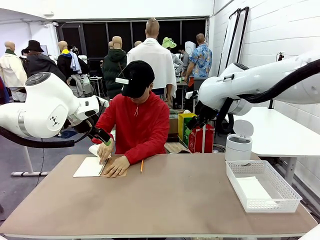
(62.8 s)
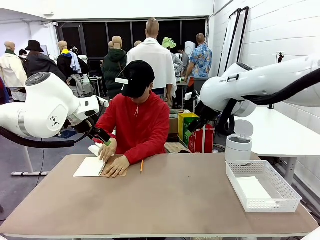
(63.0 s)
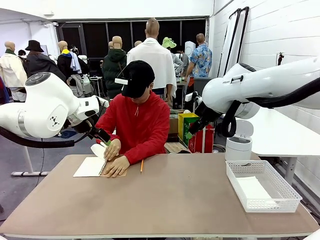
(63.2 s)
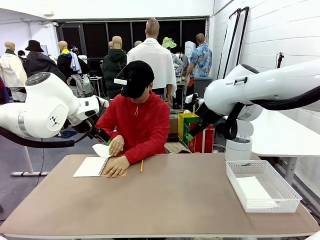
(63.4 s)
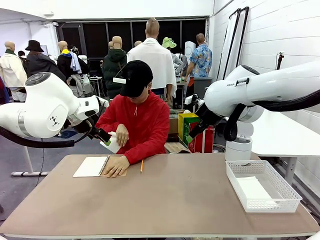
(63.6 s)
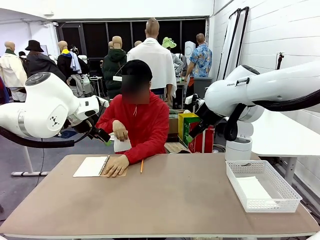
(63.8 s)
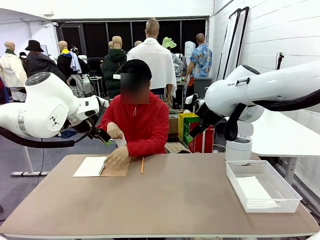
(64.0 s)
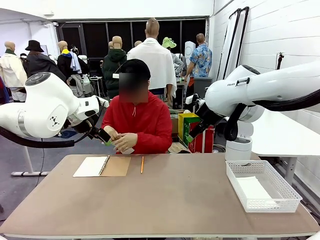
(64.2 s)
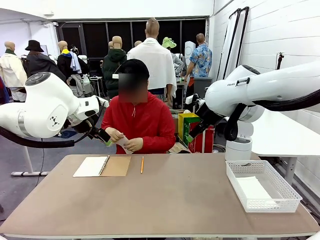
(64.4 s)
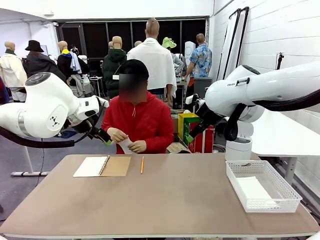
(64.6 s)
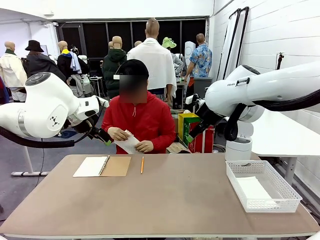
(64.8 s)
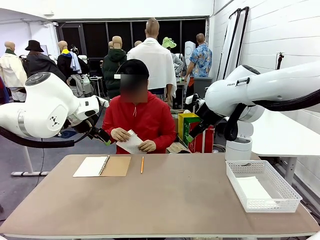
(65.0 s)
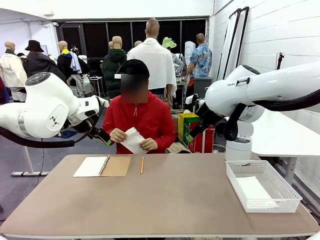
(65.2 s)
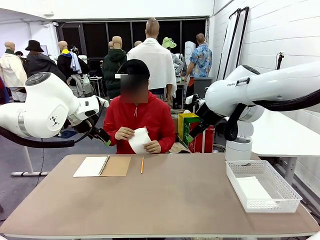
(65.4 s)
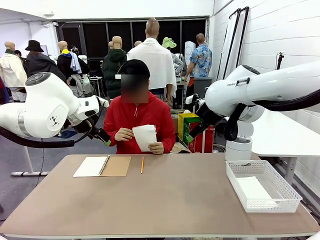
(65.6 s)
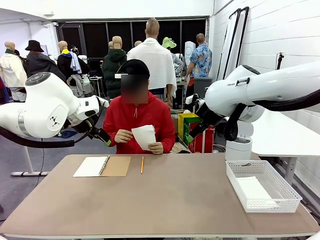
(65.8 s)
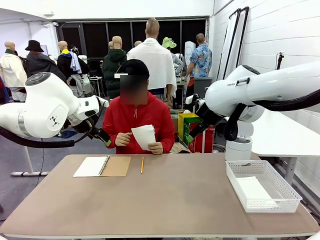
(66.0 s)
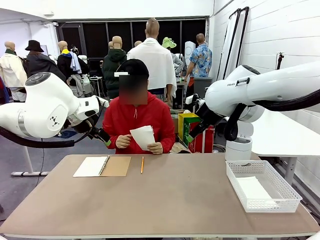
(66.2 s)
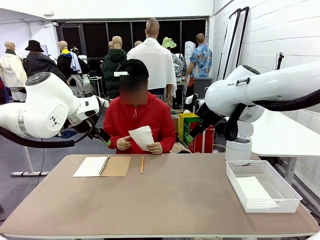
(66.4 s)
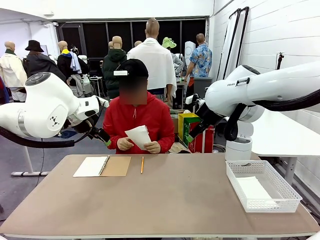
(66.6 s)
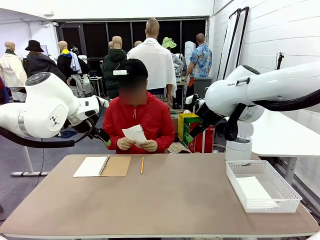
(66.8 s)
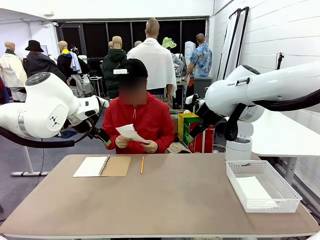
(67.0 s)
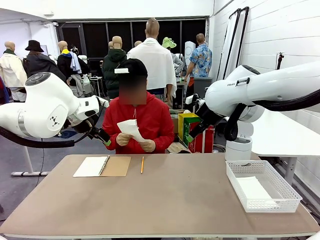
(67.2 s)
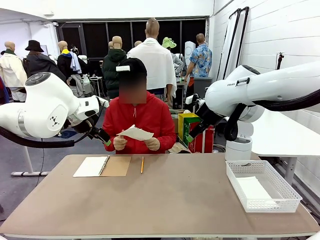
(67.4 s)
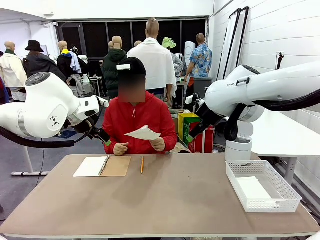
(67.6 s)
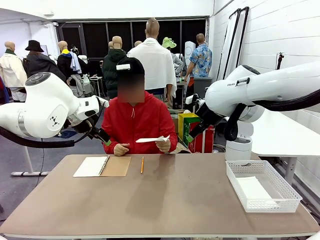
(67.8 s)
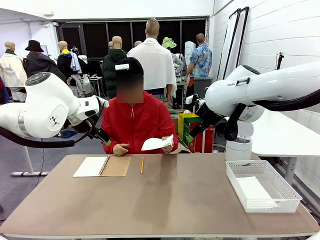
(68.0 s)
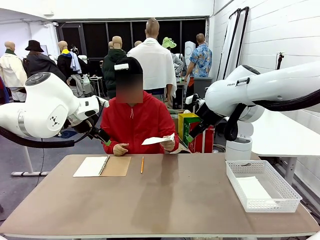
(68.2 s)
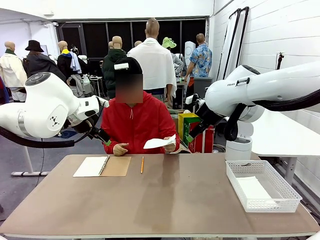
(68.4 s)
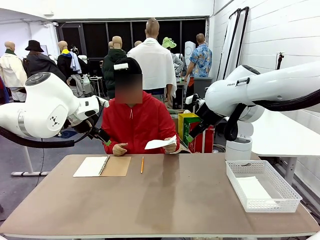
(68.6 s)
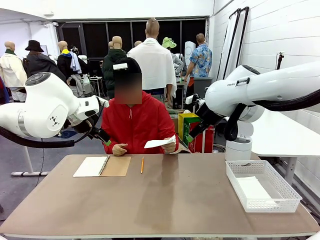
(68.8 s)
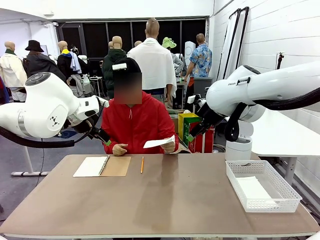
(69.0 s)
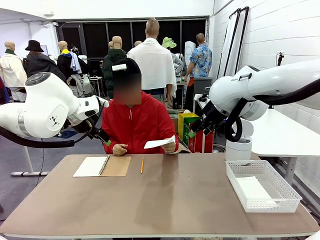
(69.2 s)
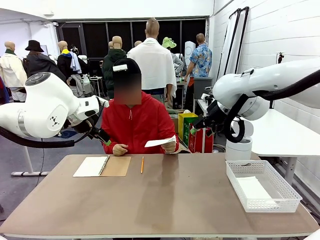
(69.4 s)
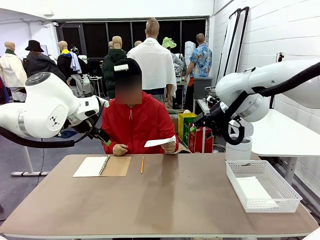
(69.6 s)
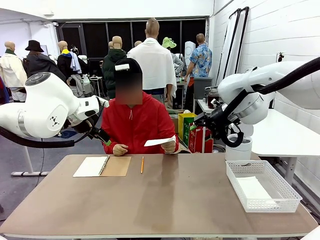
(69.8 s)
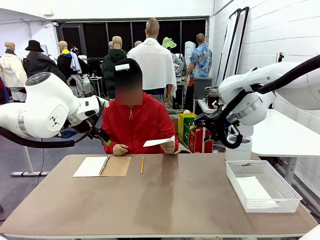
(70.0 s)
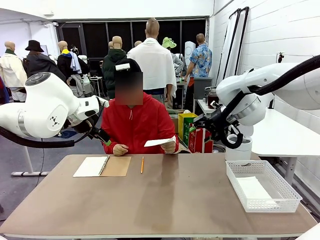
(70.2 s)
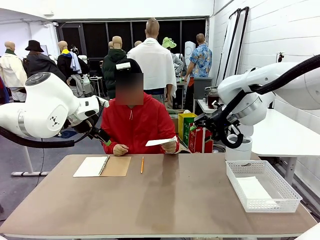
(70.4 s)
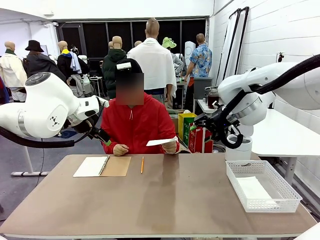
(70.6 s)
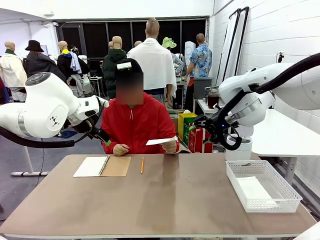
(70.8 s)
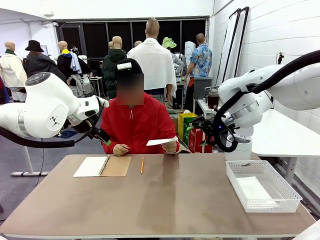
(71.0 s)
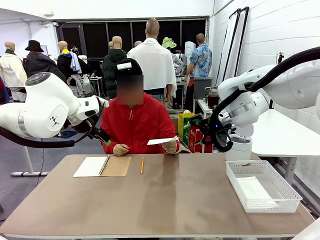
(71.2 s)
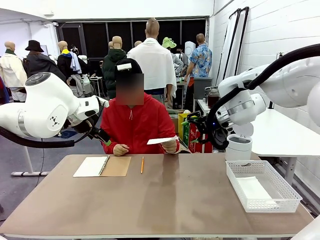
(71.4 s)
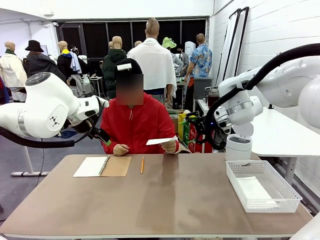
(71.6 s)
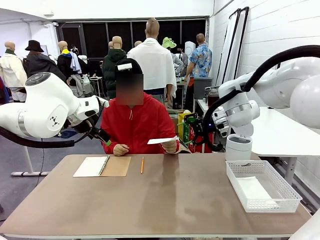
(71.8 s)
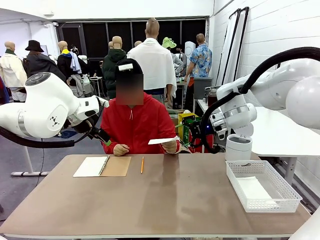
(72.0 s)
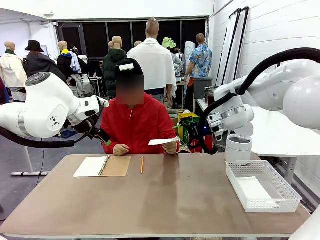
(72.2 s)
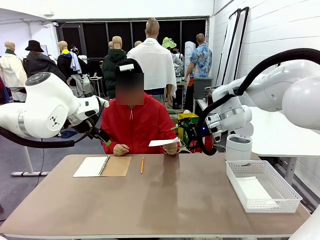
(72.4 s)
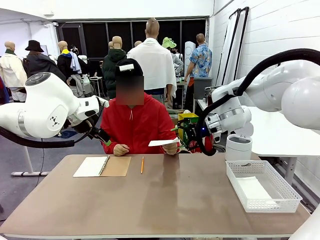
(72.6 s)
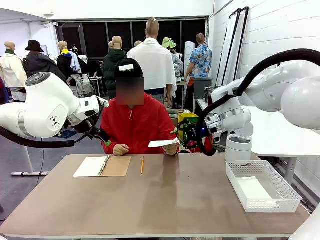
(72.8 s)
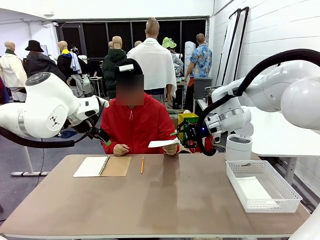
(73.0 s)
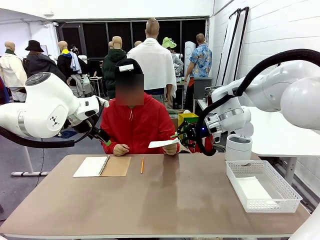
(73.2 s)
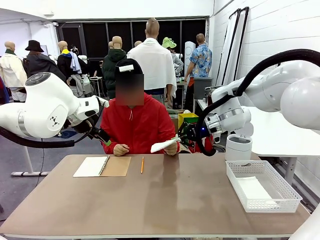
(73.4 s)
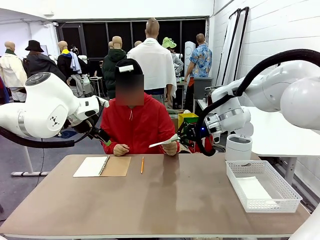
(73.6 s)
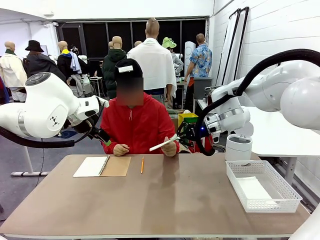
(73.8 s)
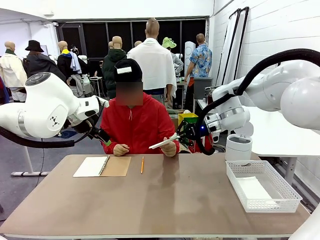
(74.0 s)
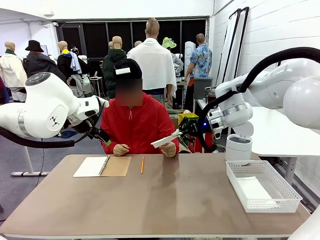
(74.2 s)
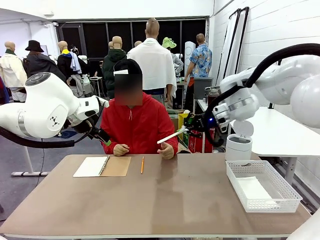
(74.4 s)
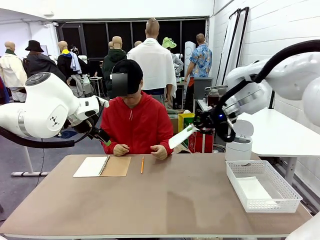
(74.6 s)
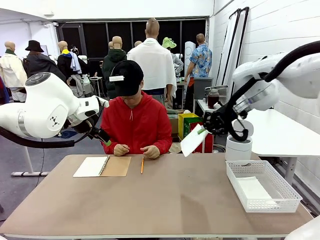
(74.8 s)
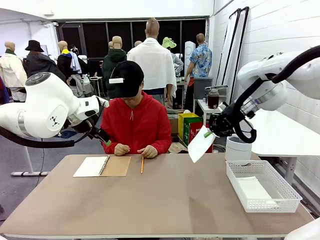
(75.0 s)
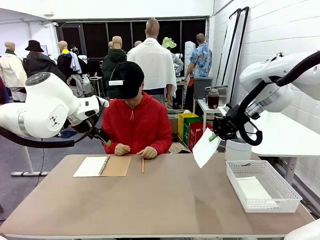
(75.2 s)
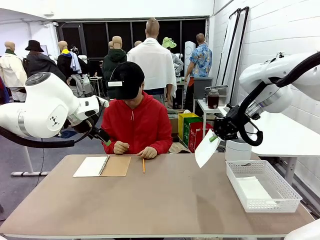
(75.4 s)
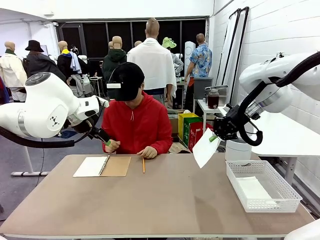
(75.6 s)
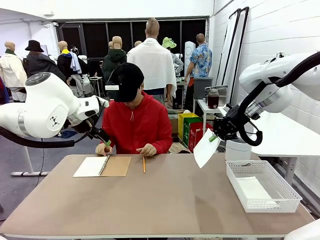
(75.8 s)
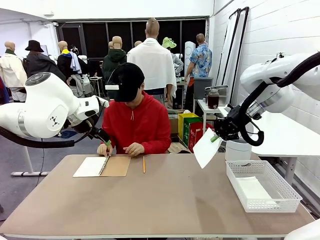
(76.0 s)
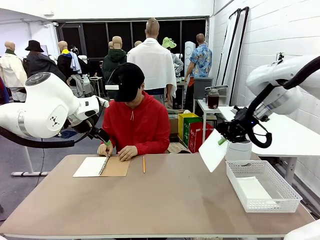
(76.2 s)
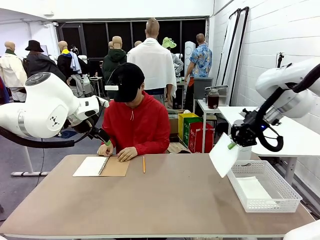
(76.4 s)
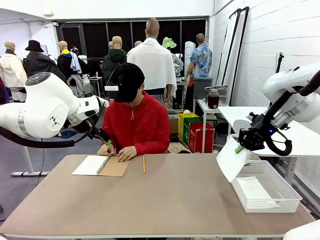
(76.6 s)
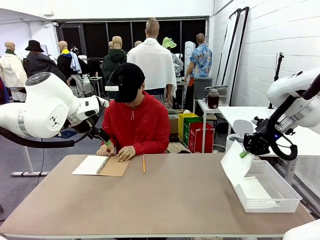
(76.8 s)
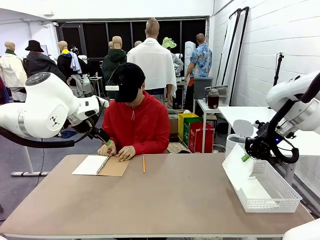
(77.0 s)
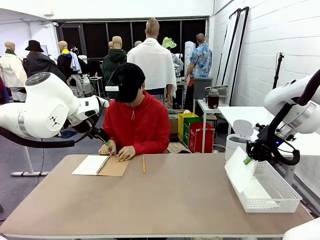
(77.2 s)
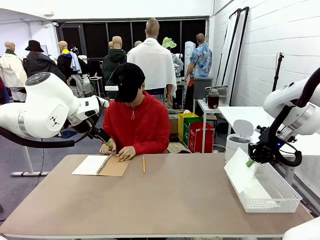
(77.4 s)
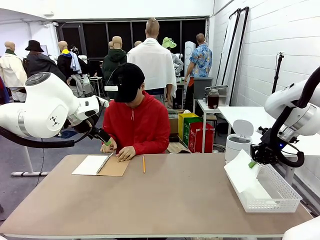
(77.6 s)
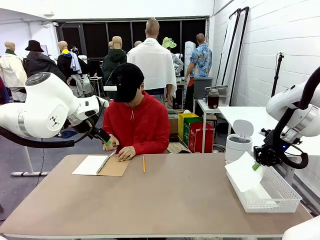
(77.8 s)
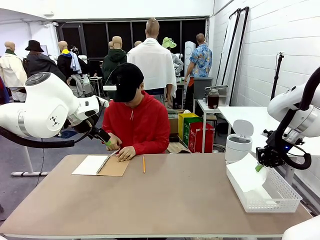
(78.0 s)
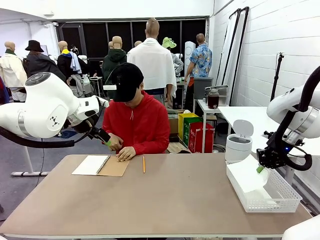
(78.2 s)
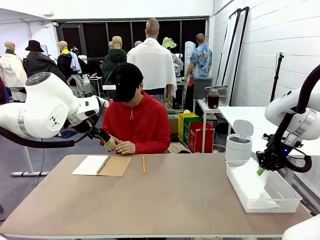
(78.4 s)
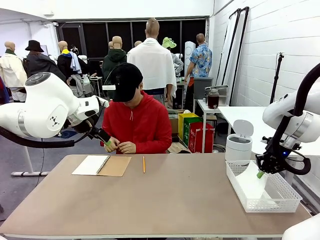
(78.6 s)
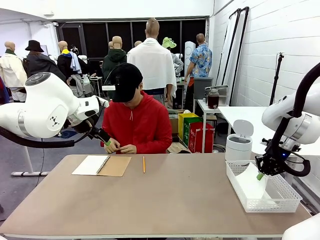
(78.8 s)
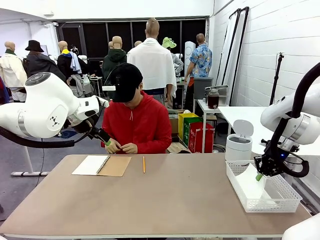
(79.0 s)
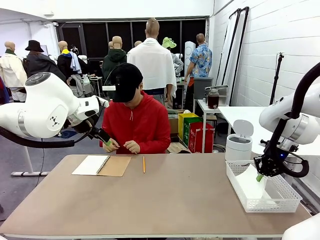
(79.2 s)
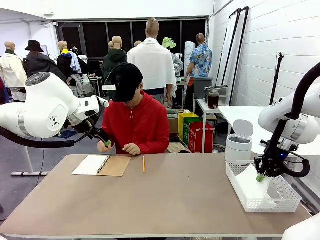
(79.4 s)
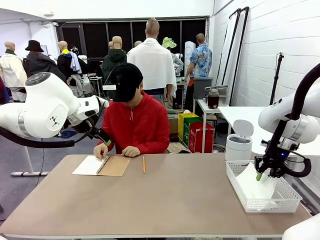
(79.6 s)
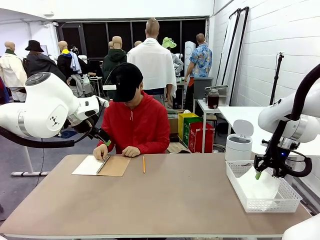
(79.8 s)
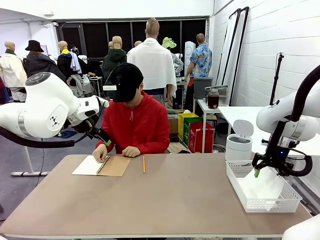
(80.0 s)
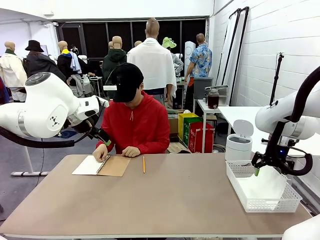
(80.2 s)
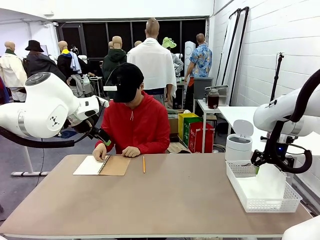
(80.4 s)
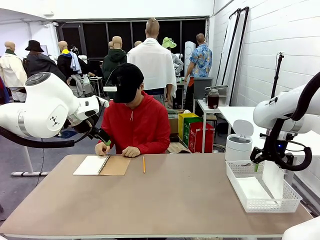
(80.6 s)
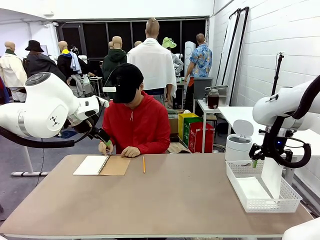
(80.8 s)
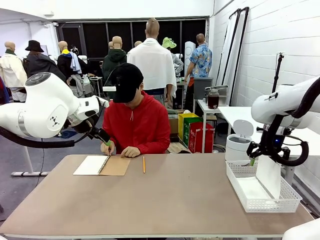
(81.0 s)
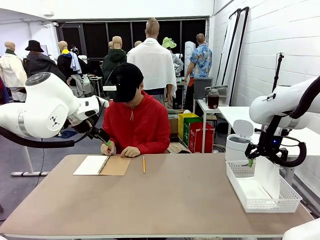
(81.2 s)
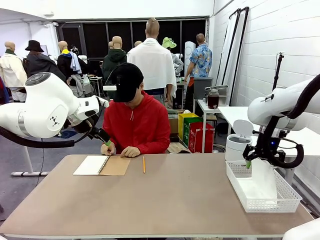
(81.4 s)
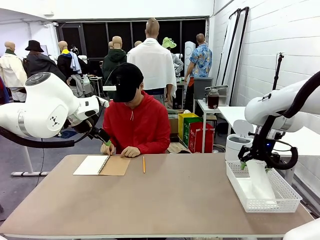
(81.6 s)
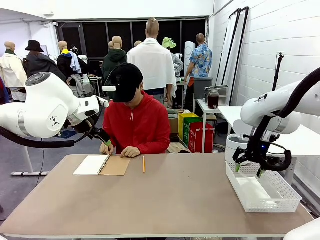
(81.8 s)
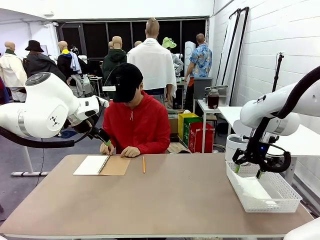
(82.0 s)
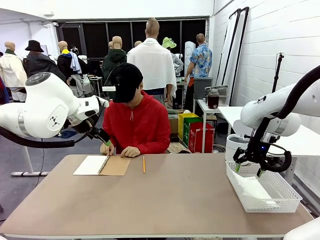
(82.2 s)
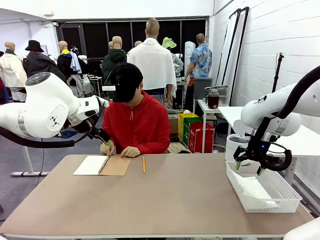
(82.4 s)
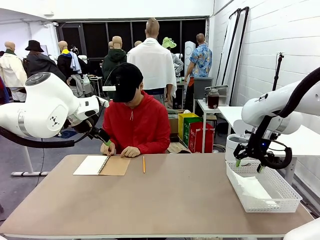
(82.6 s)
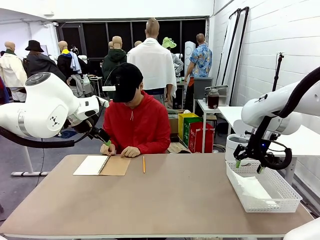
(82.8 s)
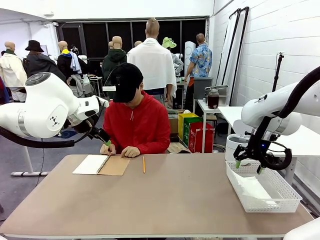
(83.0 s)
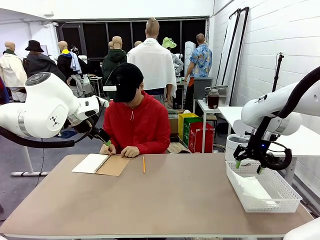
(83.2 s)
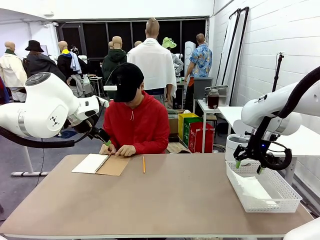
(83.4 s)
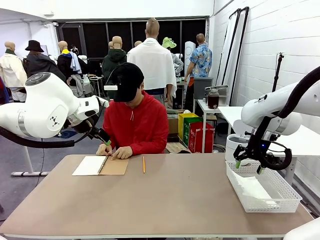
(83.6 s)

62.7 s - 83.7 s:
Task: Sort the paper based on its condition.
Robot: If a person hands you a paper, place it in the Organizing basket , and if it's crumpled, put it in the Trash can.
Person: Hand the torn page to the robot or crumple it and throw it to the center of the table.
